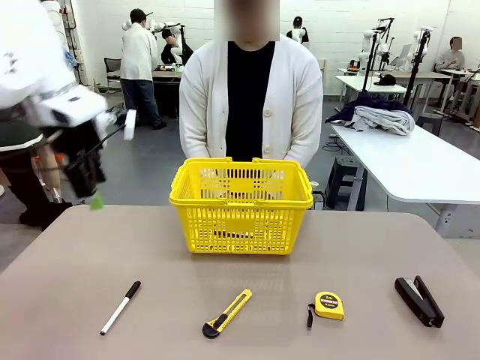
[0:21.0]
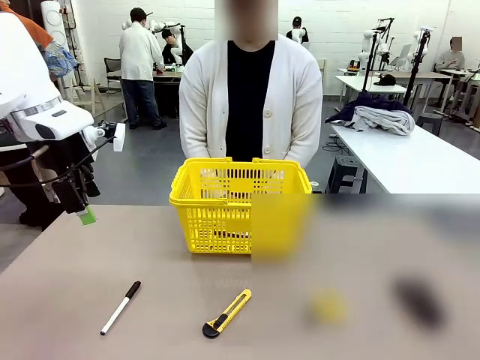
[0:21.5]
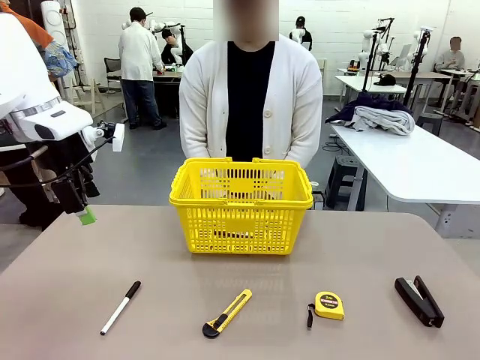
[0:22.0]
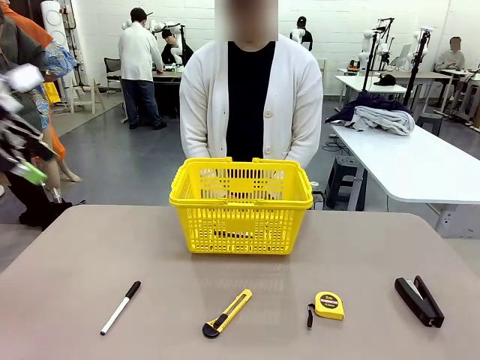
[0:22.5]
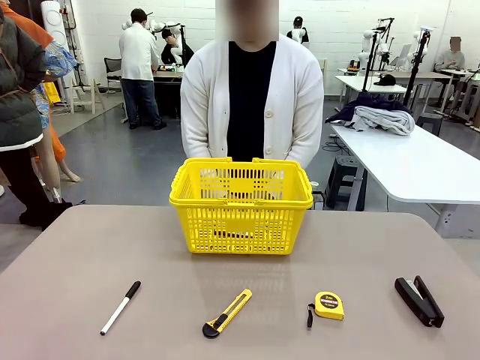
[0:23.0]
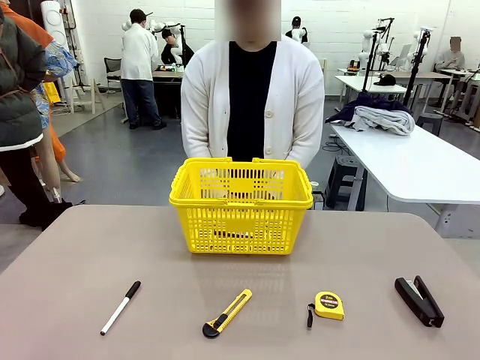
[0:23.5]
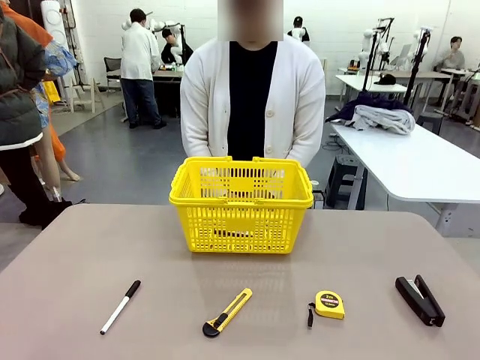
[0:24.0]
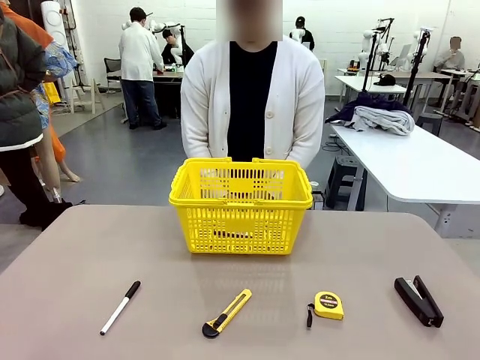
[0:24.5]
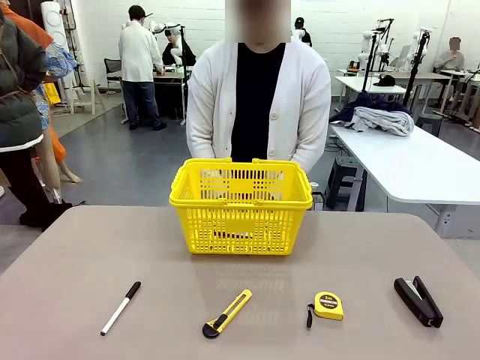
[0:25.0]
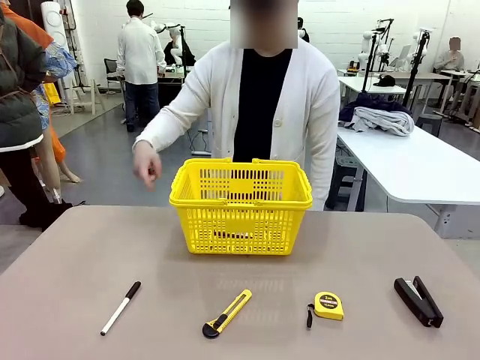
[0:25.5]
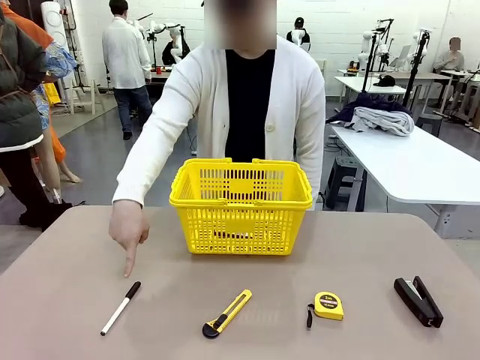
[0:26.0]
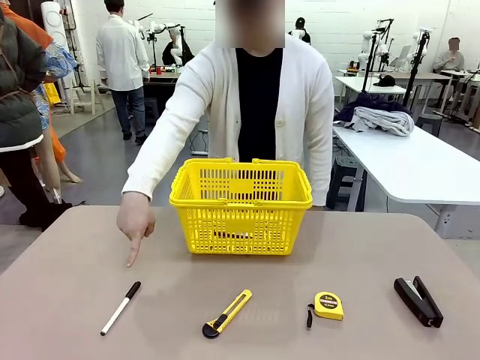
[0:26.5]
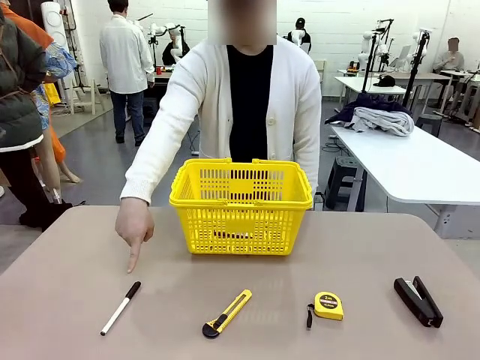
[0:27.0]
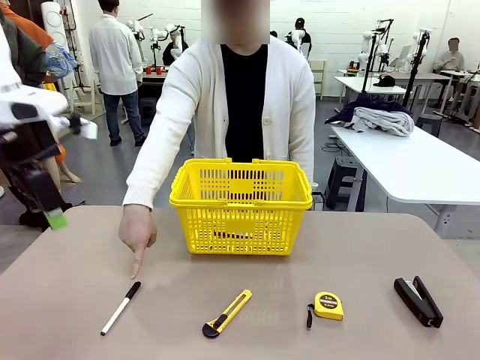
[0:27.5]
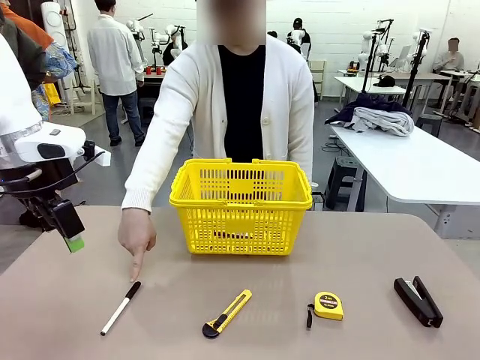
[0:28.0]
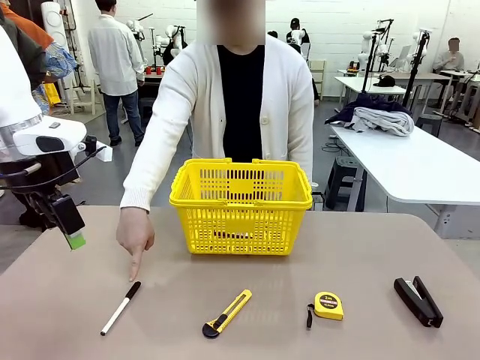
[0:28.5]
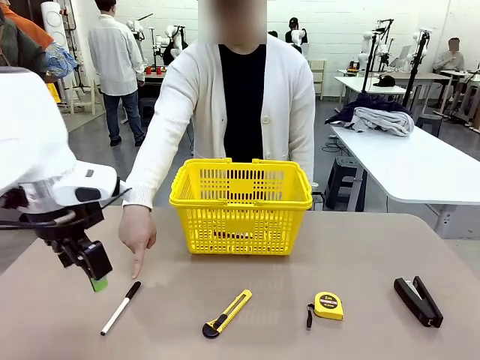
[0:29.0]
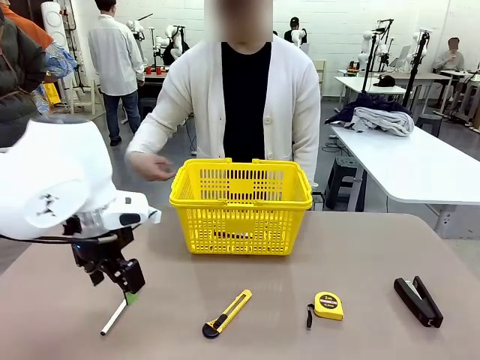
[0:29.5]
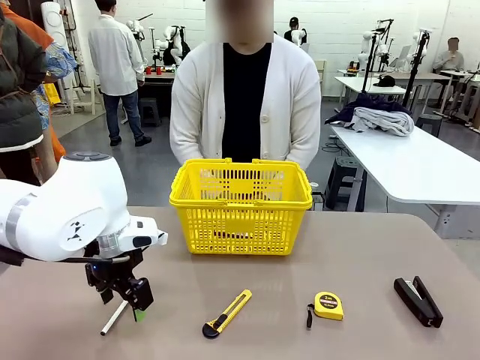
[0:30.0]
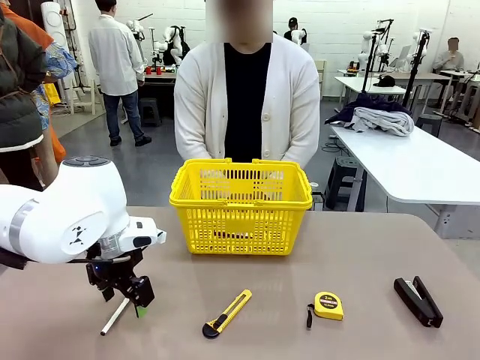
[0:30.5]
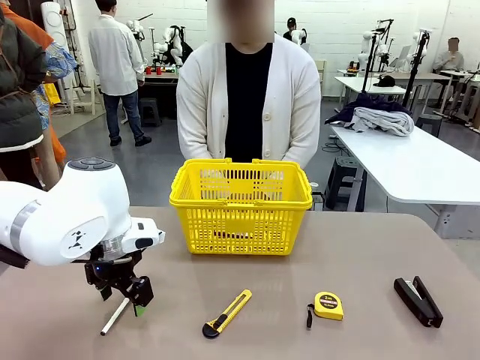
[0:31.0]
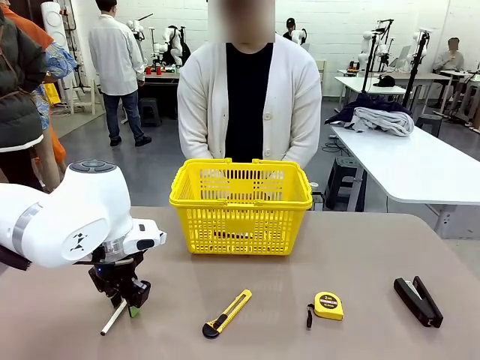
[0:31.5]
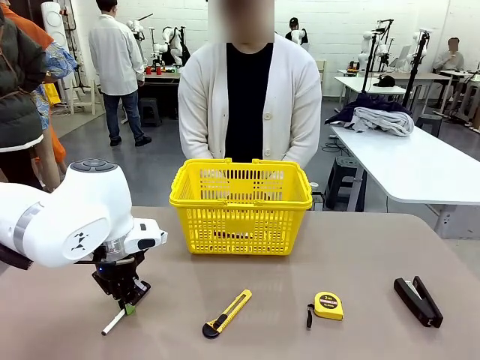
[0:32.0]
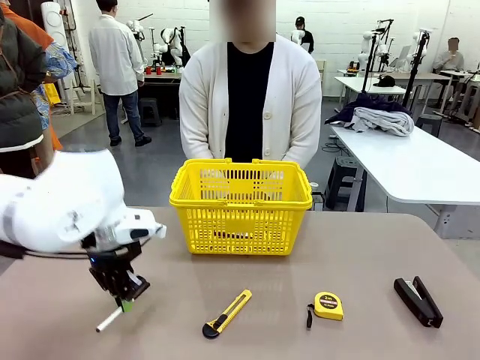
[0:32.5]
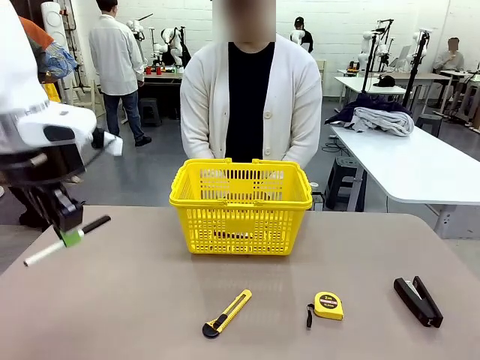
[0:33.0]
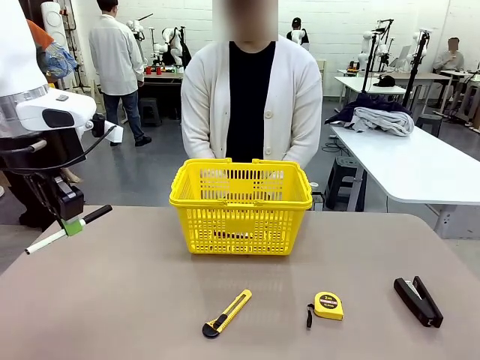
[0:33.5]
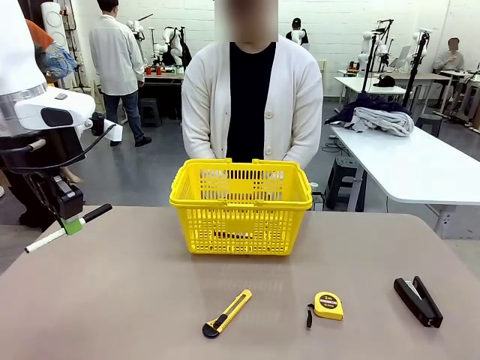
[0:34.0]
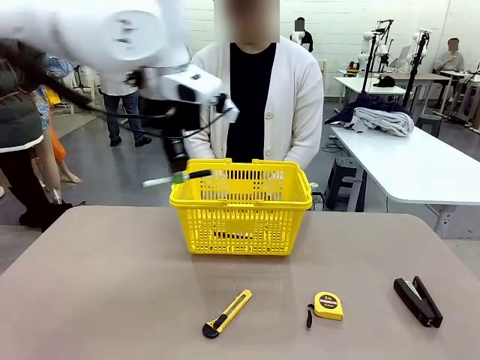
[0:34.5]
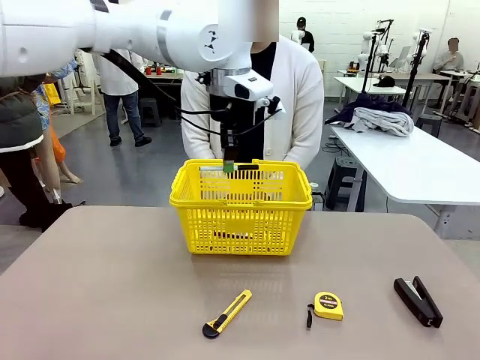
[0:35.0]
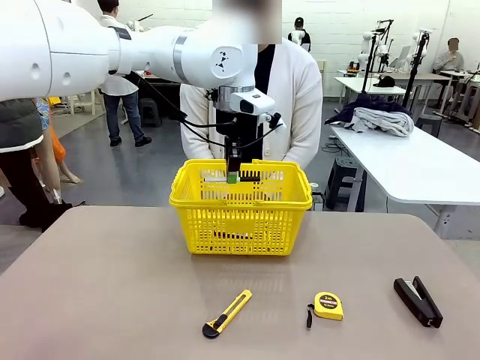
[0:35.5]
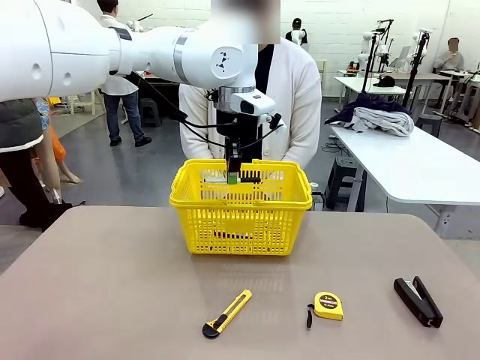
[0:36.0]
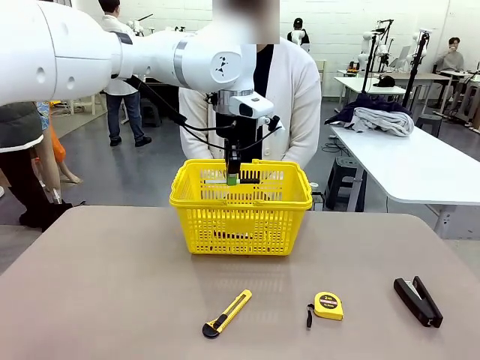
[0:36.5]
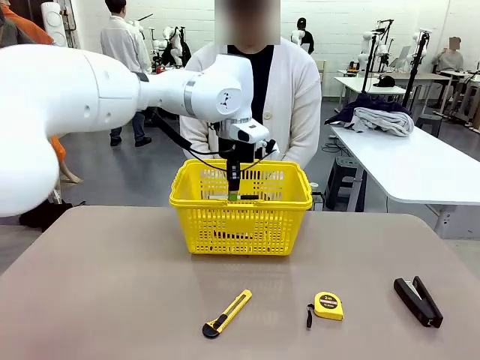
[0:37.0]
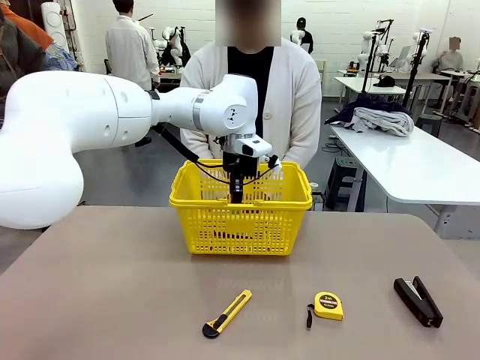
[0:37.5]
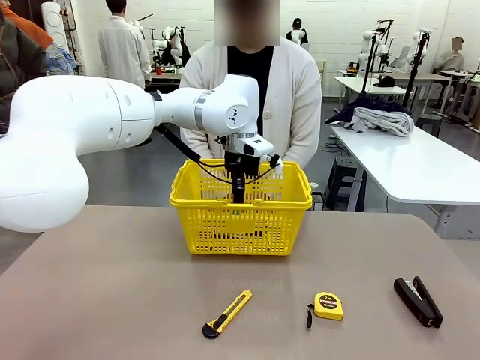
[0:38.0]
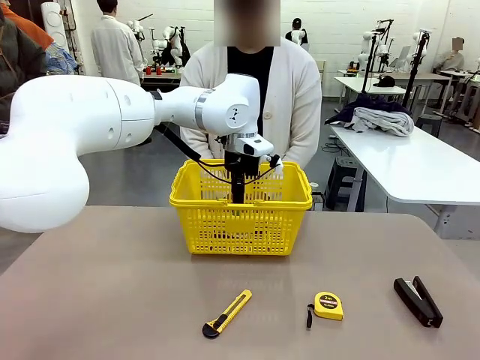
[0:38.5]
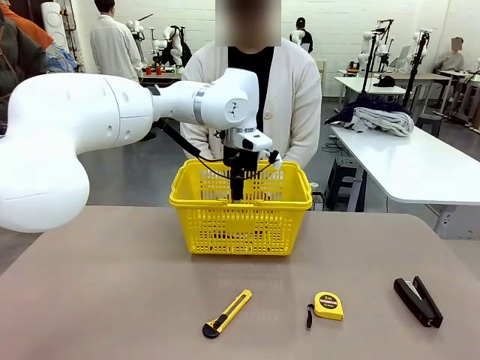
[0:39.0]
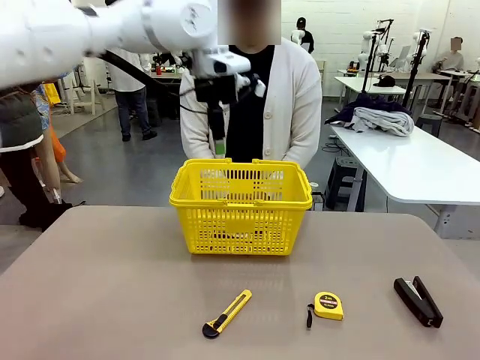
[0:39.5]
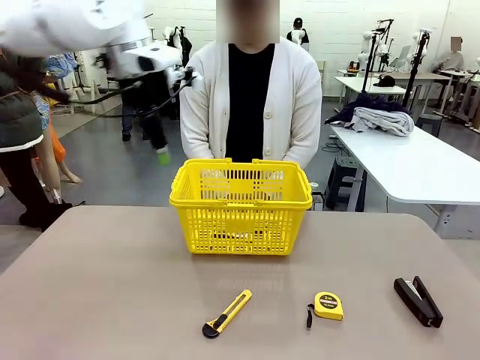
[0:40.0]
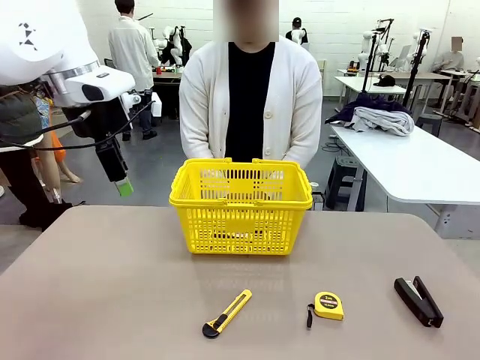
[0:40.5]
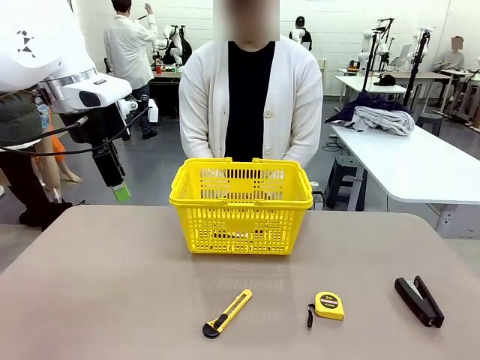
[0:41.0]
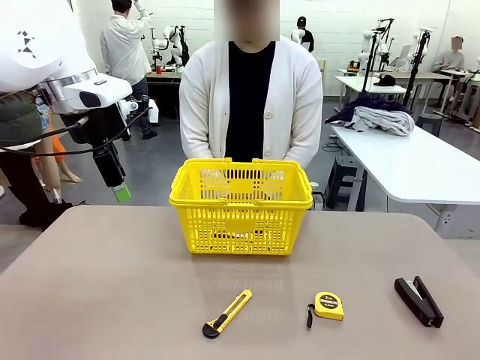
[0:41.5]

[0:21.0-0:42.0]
Task: Place the items the person wants into the basket.
Robot: Pick up the item the person points to and place it in the Market Basket.

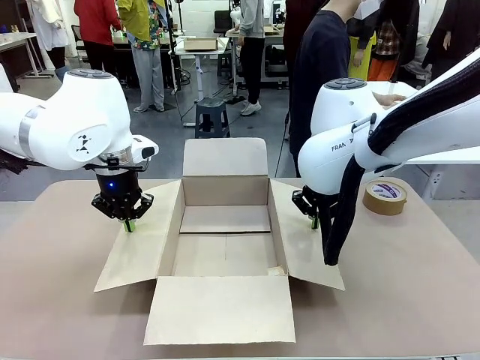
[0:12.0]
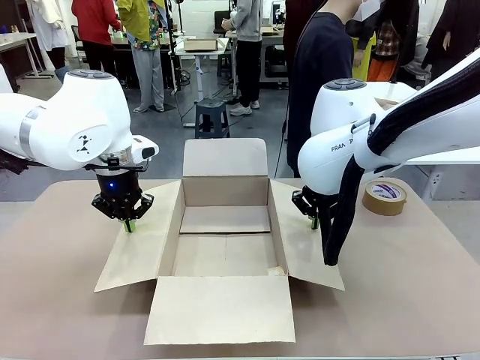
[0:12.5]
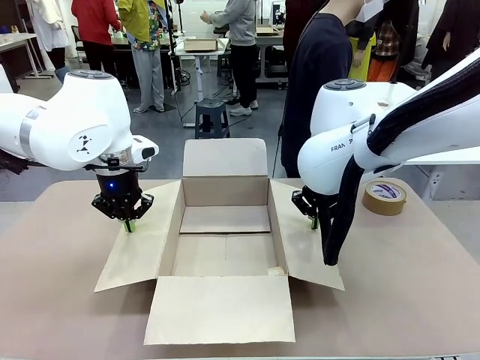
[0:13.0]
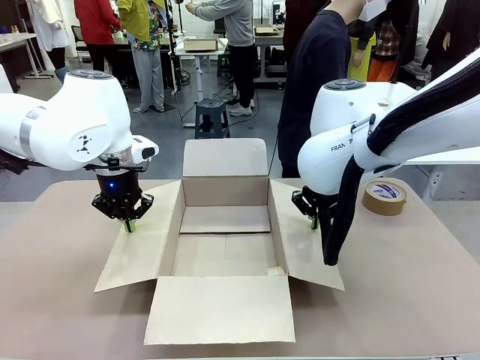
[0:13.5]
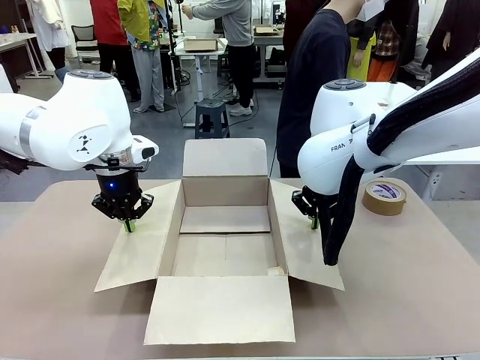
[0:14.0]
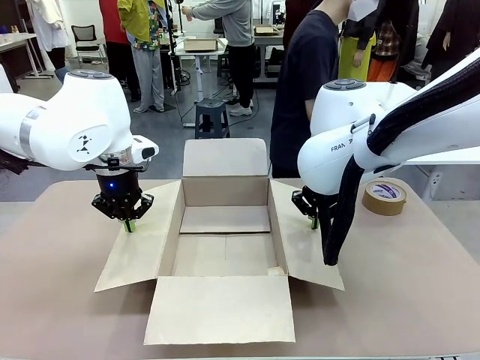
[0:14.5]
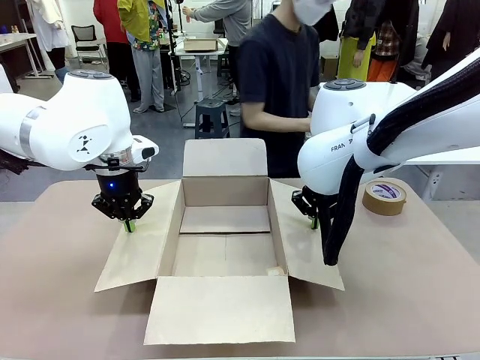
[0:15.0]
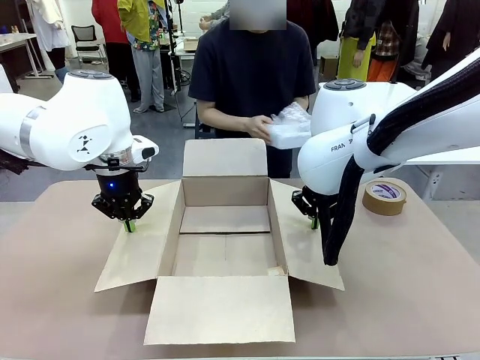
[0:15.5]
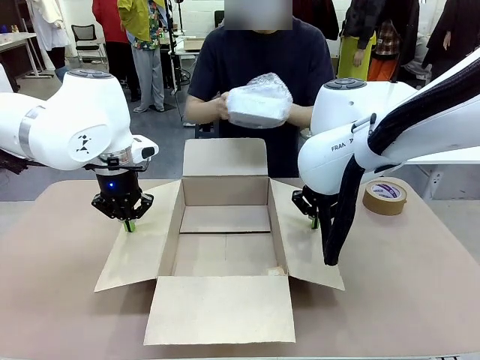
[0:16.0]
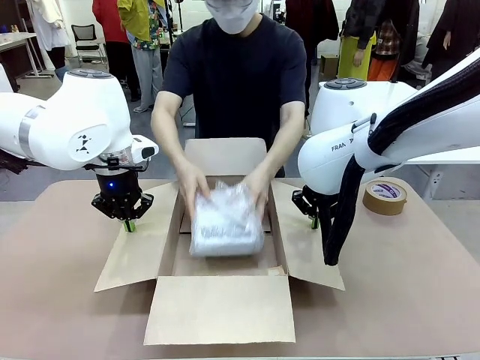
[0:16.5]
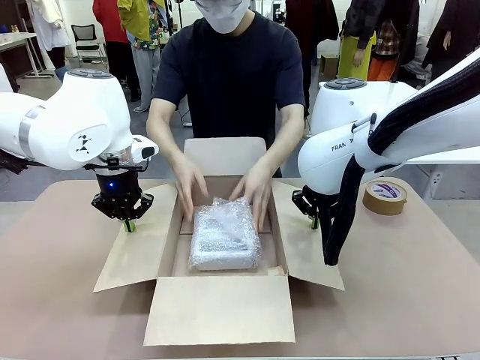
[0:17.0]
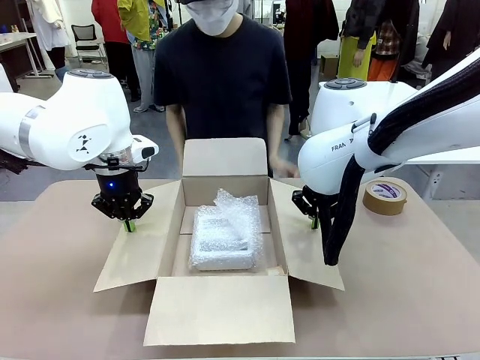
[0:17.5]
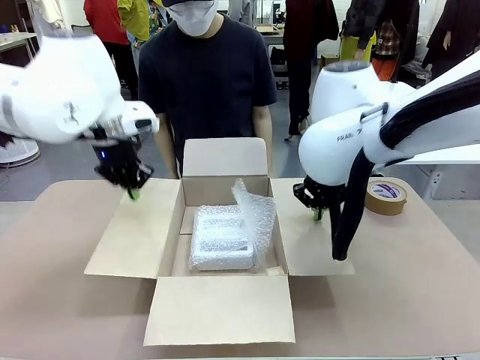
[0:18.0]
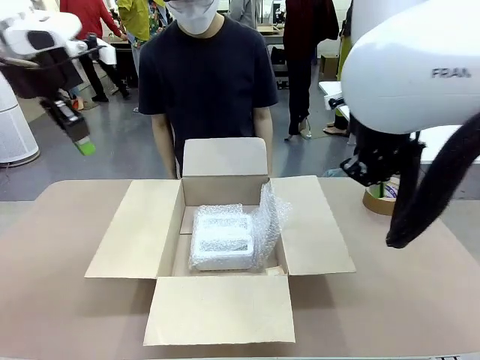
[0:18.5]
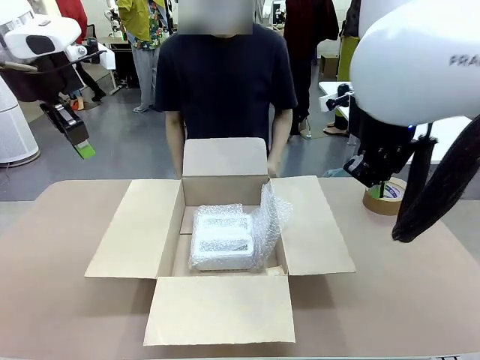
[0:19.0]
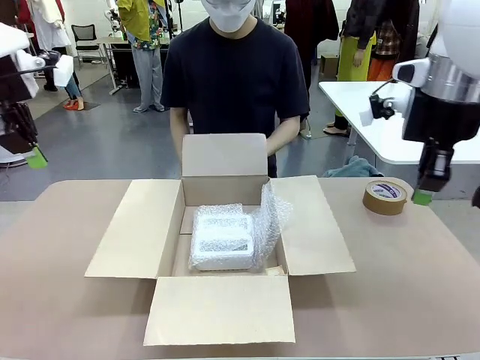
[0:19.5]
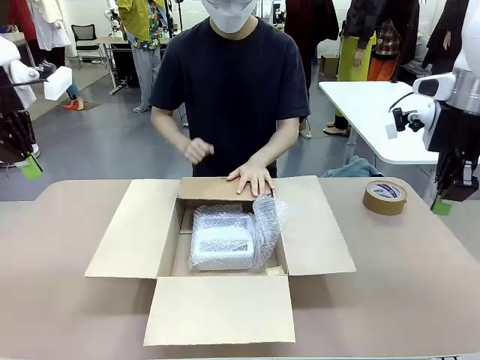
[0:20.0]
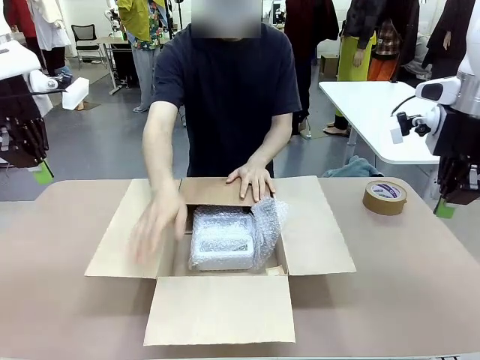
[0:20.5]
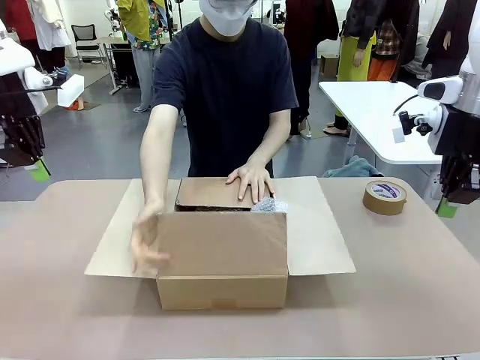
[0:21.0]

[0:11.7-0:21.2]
Task: Wrap the clocks to prevent damage.
Robot: Once the human has placed the objects inside and stepped back, release both hands from the side flaps of the Package Box.
Person: Place the wrapped Digital clocks inside the Package Box. Hold the top and bottom flaps of the Package Box closed with your left (or right) hand.
